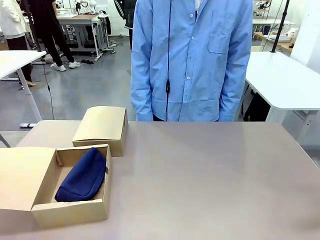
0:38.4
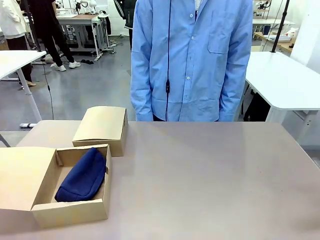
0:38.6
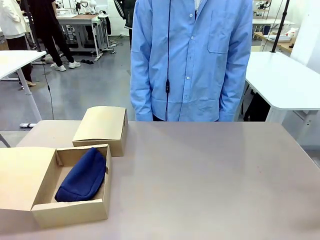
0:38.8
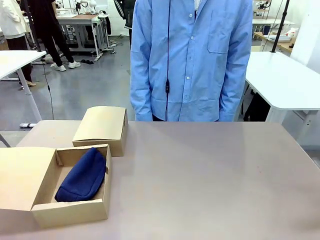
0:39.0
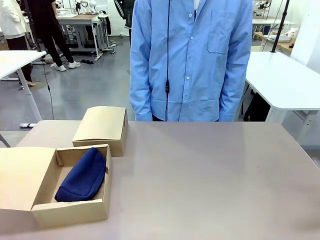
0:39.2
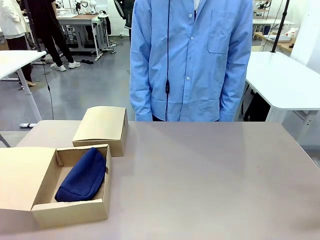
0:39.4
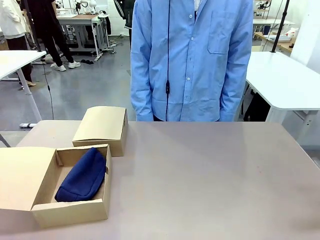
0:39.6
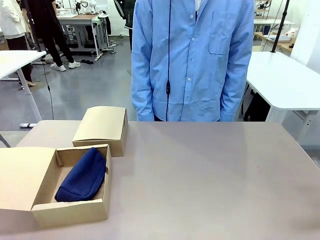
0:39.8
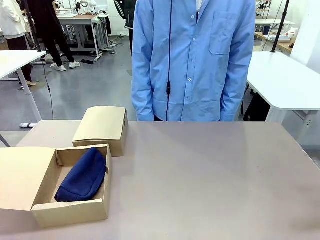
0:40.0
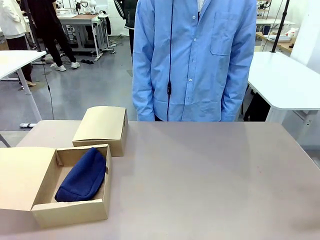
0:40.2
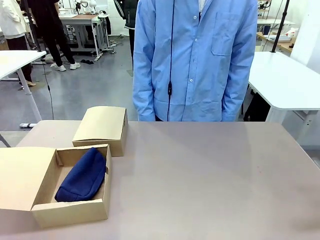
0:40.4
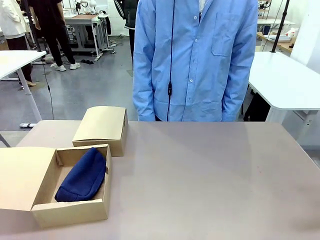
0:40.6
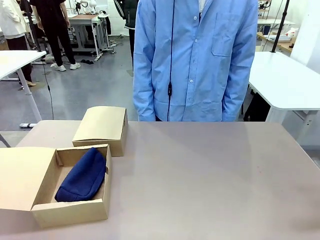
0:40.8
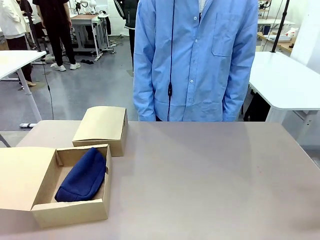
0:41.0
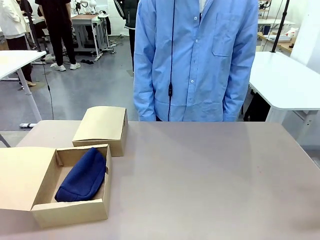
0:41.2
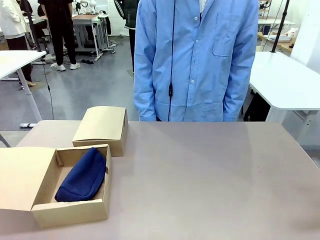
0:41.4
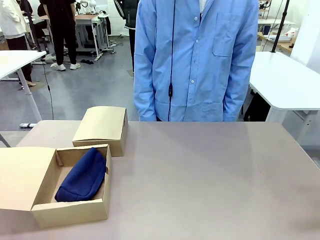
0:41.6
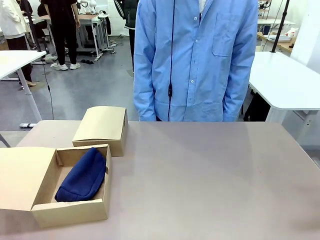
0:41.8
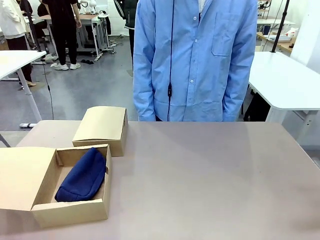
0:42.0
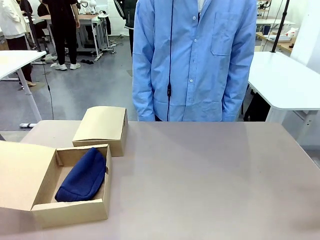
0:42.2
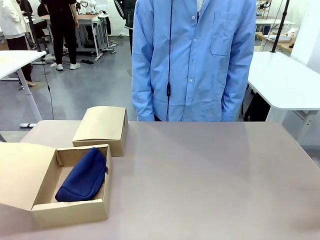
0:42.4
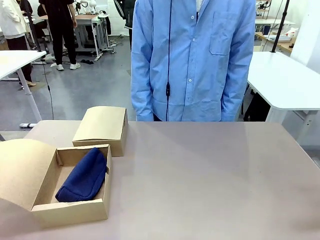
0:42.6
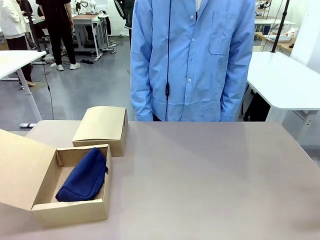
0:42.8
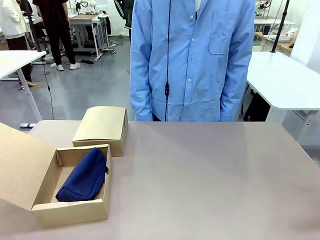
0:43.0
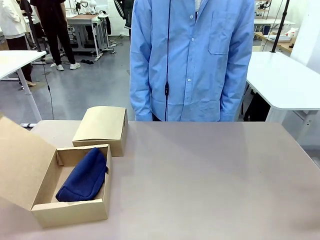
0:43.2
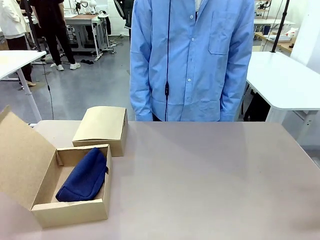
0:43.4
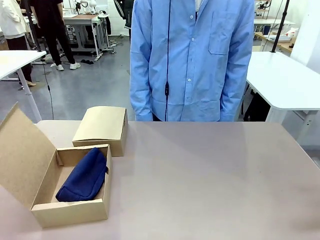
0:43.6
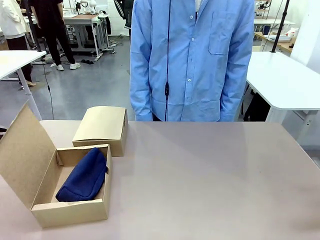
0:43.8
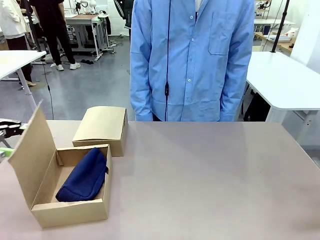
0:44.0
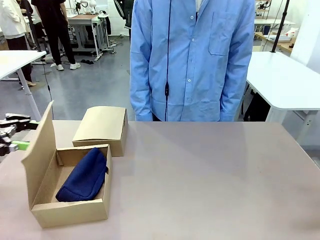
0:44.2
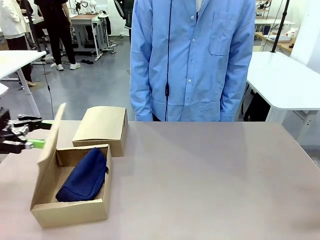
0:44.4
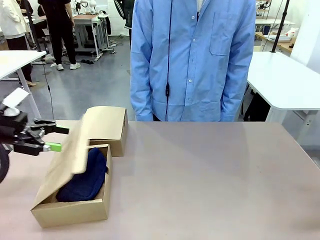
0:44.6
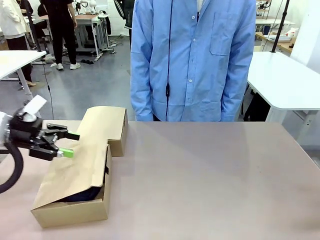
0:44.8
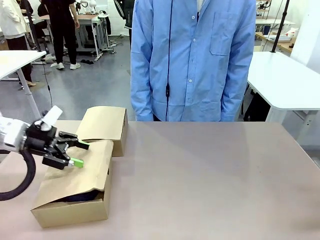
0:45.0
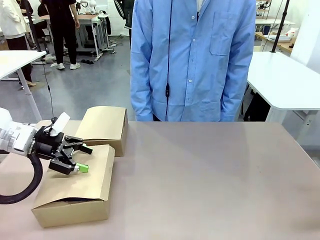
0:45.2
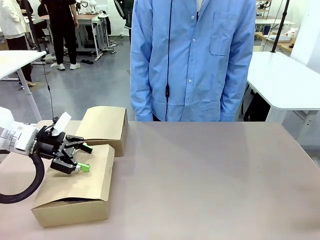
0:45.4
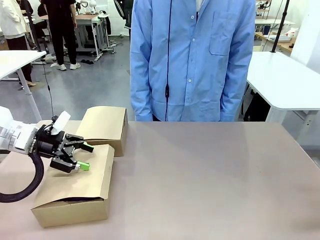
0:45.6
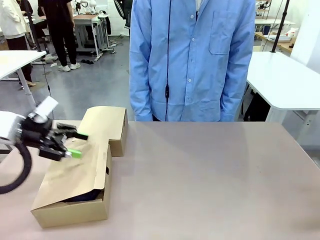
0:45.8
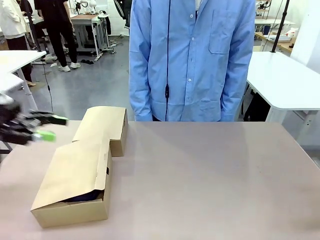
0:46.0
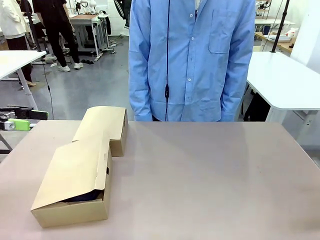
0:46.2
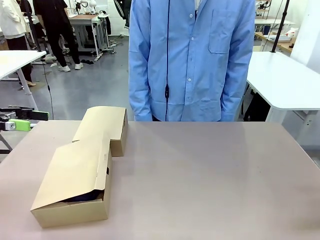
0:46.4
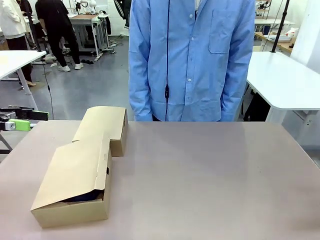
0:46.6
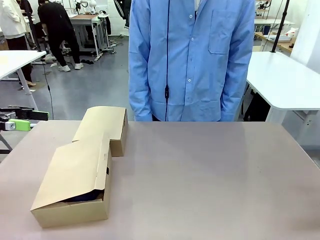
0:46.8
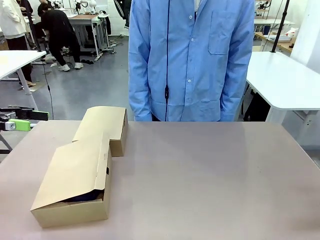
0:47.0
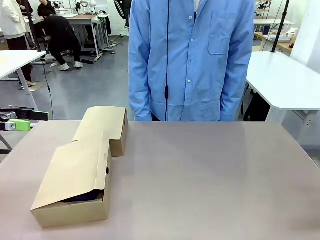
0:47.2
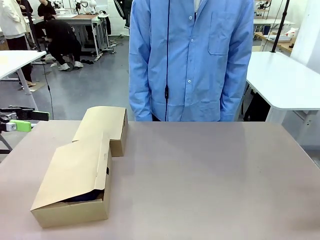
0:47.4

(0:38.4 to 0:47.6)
Task: Place items inside the box.
Robot: Close the lid of the Mailer Box closest to the robot.

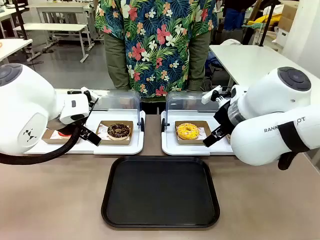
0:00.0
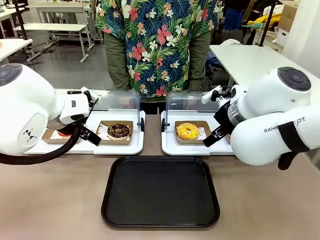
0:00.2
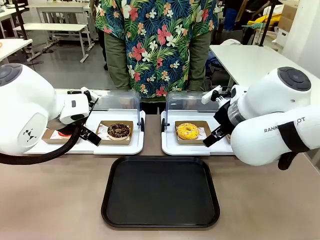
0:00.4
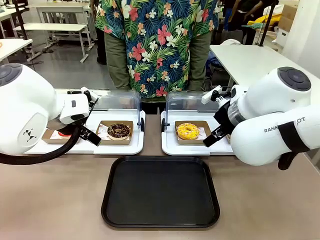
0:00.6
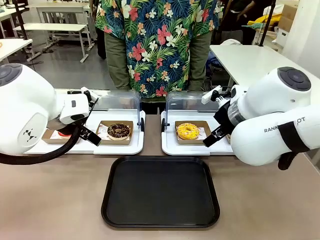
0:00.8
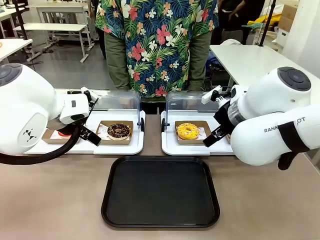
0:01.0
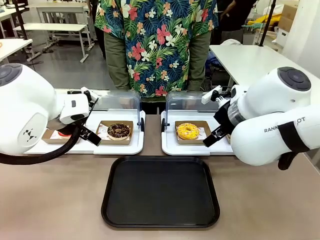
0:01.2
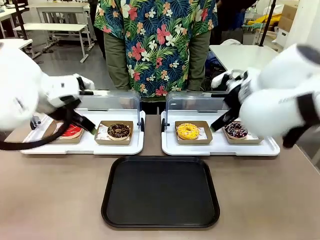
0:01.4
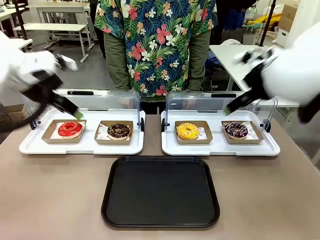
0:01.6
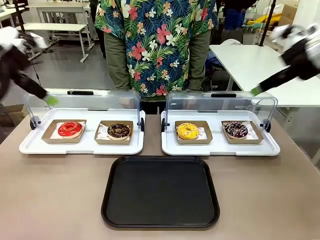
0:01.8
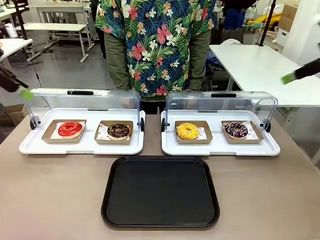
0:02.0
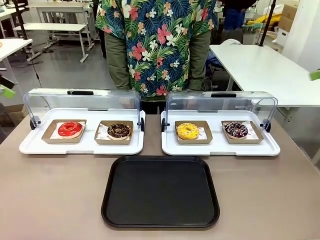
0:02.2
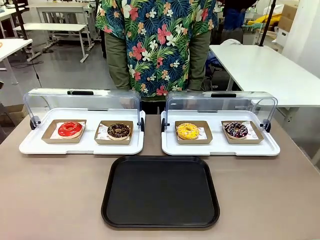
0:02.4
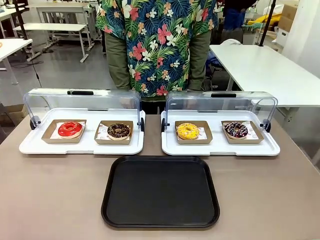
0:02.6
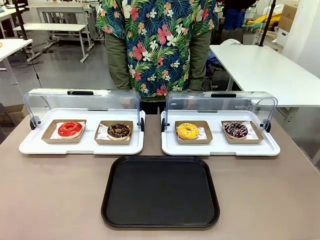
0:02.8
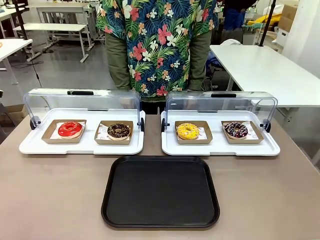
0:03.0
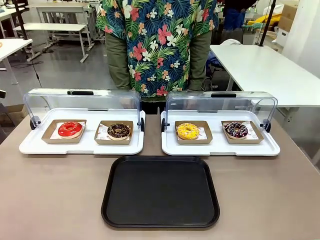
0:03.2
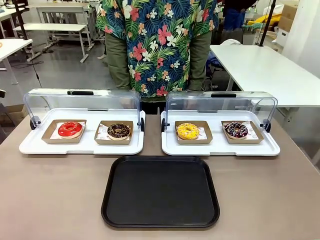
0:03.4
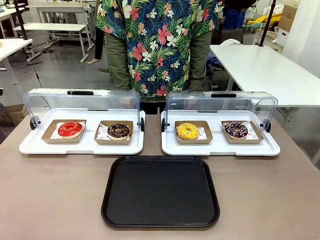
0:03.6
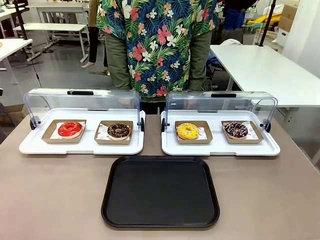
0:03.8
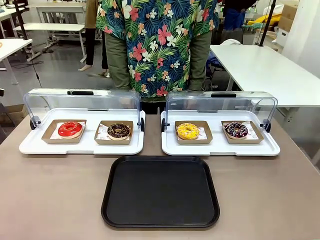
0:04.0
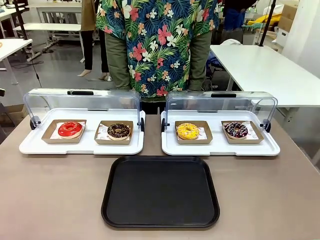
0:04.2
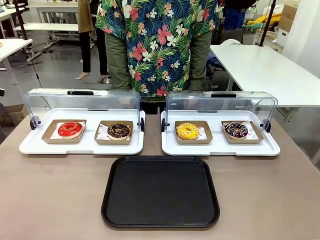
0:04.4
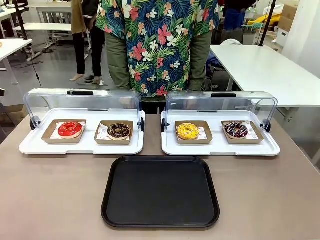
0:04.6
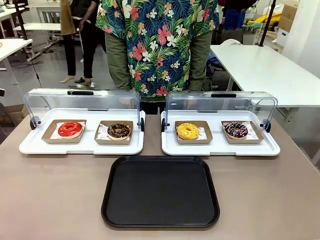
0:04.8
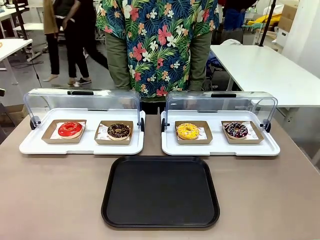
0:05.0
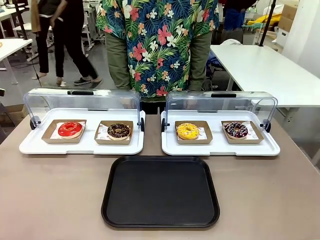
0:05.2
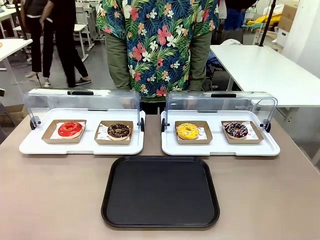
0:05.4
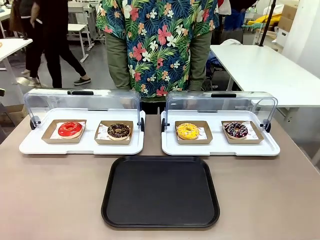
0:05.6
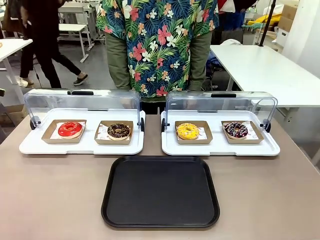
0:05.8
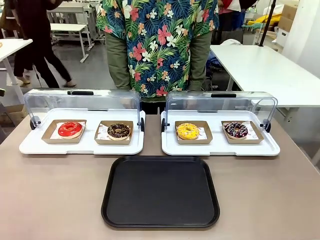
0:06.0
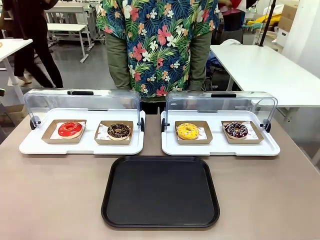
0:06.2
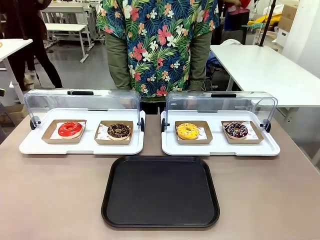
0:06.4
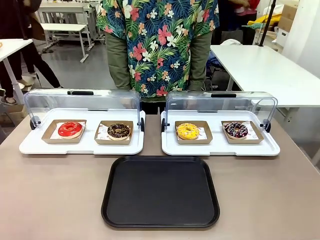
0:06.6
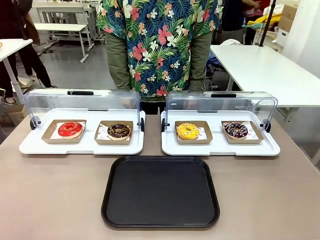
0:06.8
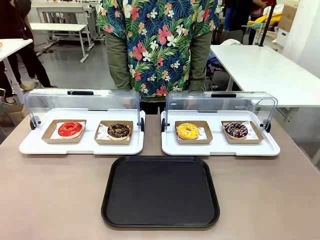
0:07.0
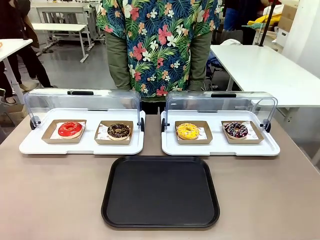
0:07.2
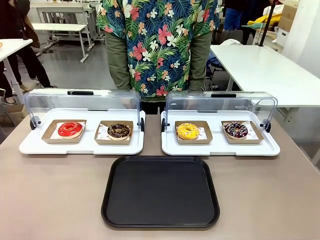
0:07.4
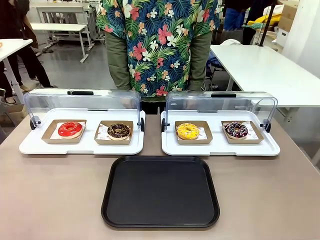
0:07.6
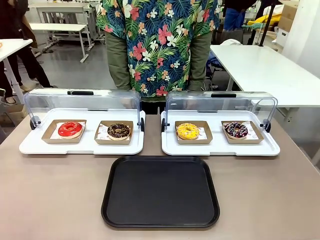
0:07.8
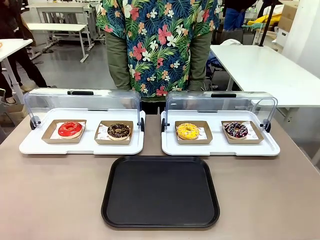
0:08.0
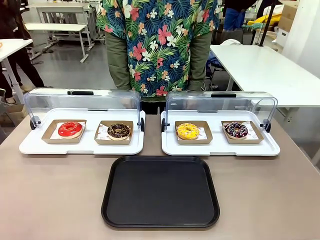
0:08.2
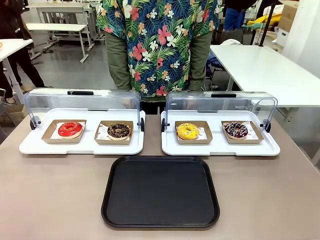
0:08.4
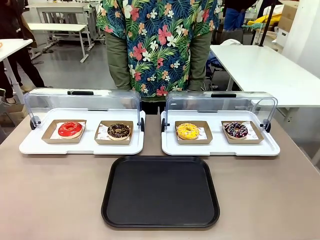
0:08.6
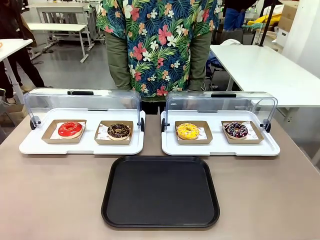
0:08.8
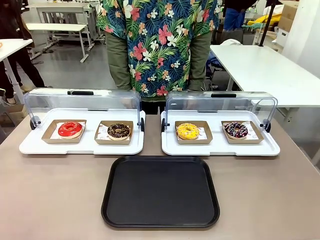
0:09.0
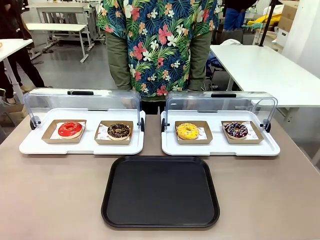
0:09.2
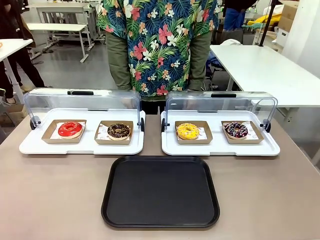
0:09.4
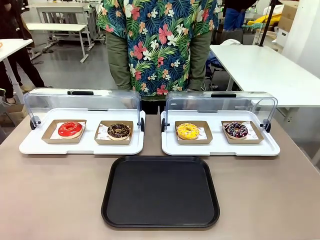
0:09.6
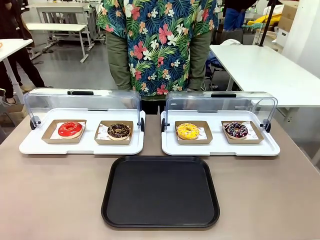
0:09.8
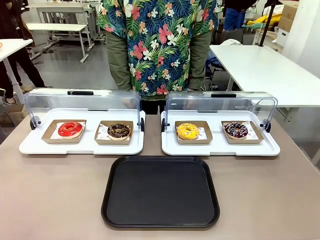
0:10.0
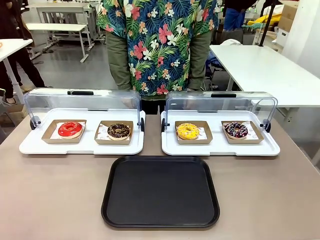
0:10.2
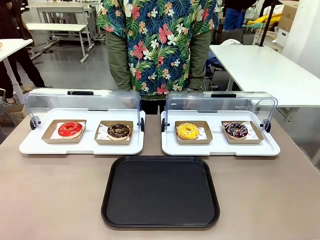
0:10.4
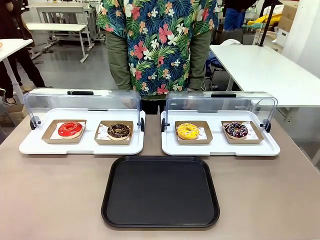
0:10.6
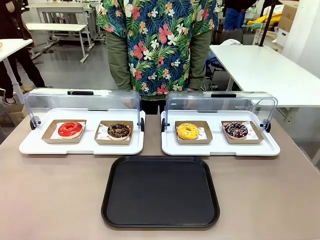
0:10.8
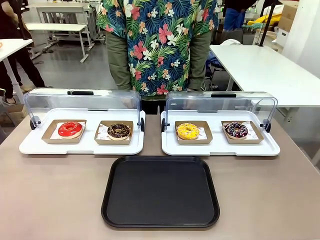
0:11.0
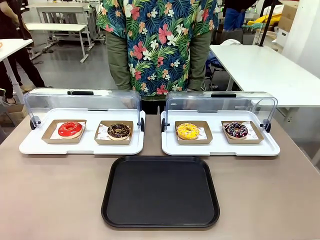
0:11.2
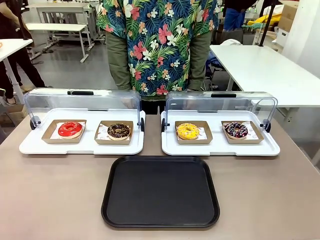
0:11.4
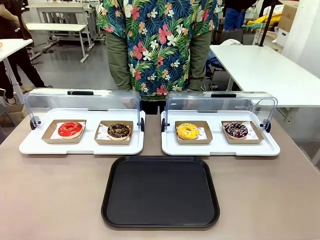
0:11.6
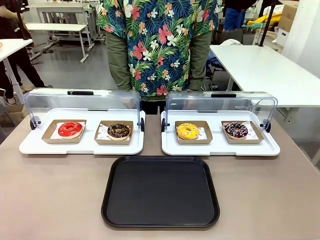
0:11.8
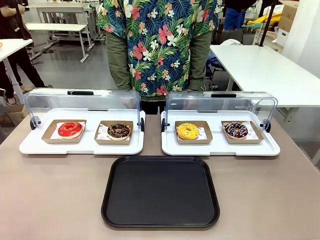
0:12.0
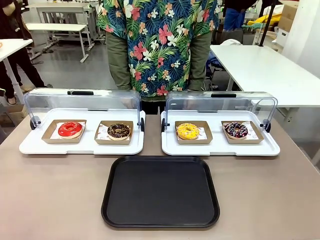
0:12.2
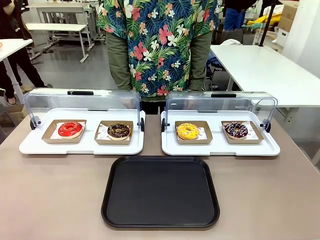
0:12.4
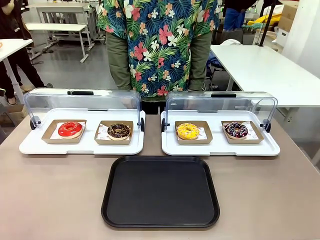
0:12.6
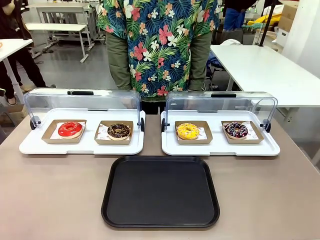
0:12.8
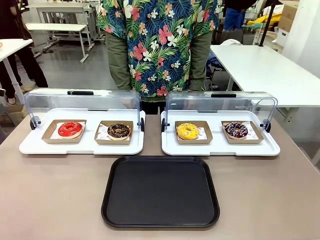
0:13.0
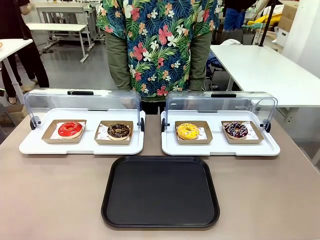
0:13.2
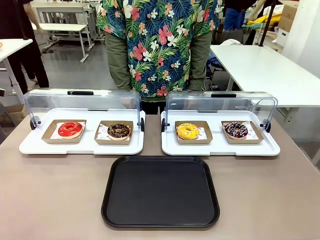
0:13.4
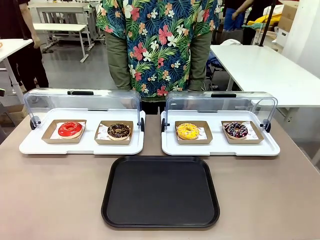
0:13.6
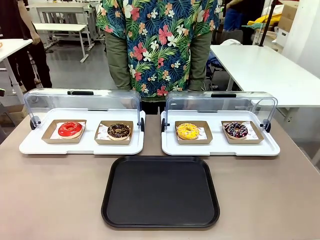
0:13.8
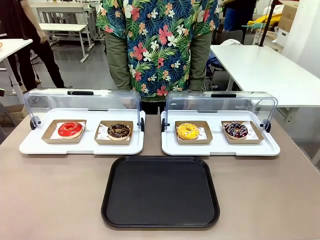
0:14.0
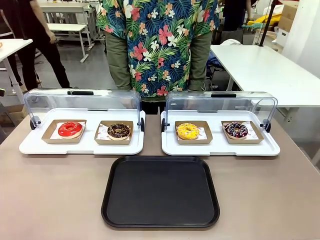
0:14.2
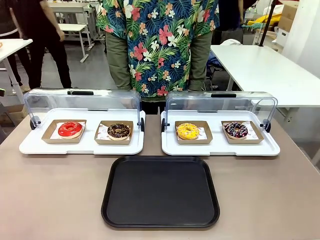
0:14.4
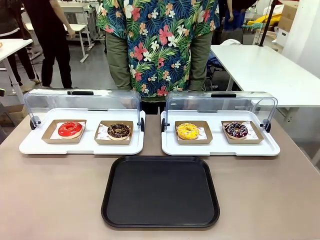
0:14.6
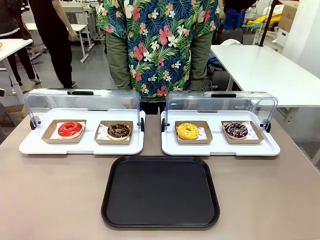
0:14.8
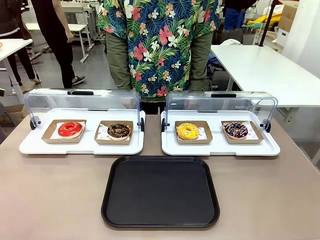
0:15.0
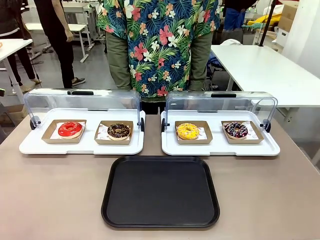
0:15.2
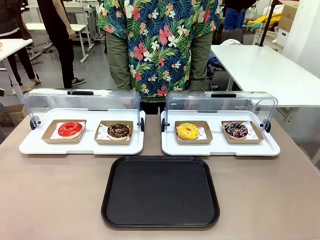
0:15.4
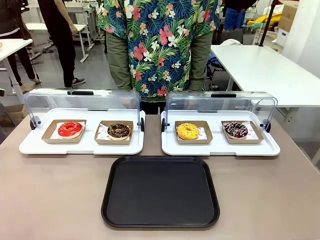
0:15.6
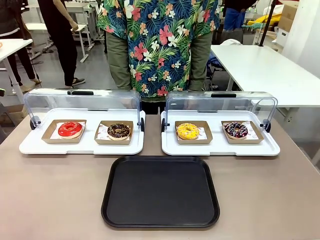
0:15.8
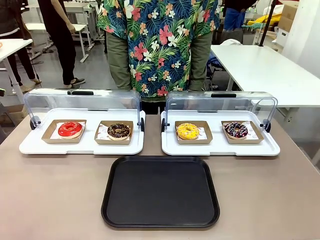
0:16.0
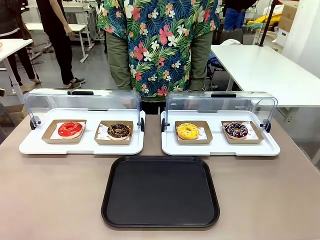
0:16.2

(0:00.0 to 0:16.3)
Task: Move the second donut from the left to the tray.
Robot: Pick up the Paper togo box containing the Donut indicated by the person and place it on the Handle tray.
